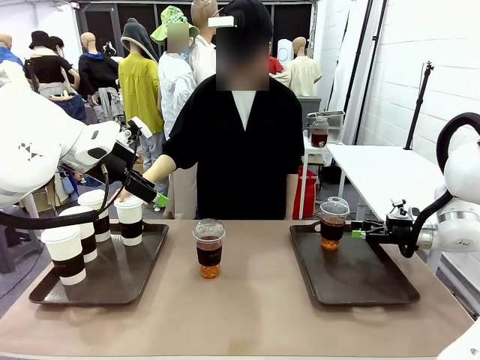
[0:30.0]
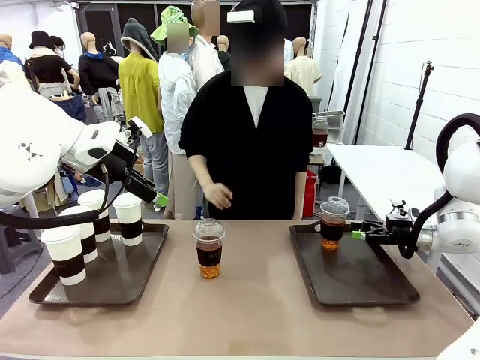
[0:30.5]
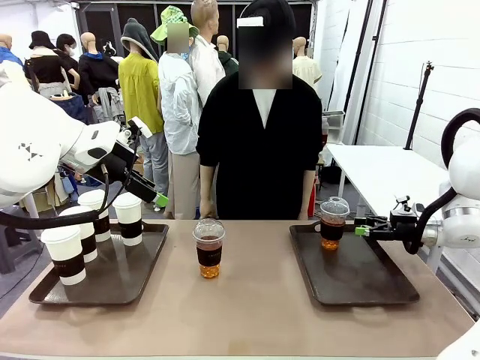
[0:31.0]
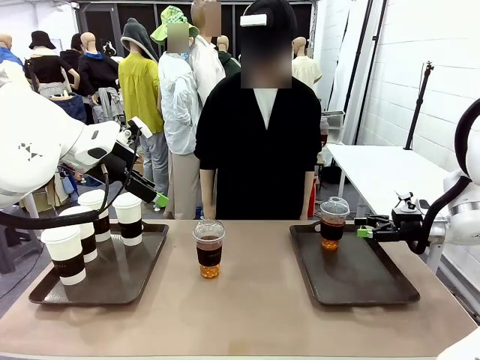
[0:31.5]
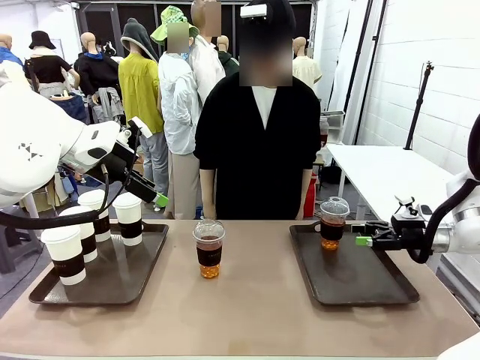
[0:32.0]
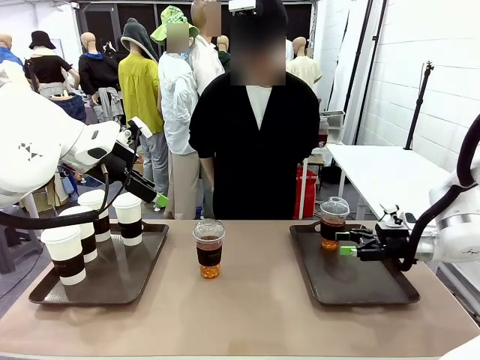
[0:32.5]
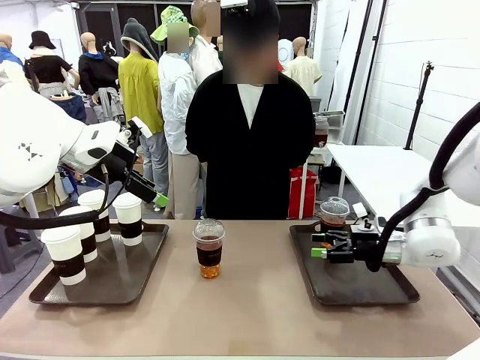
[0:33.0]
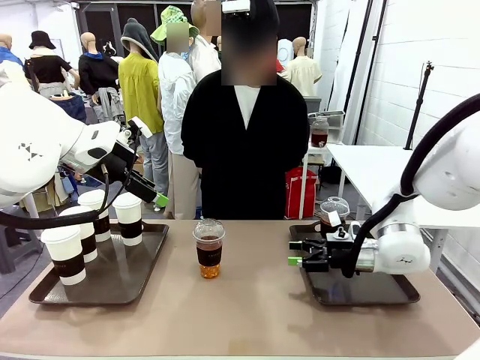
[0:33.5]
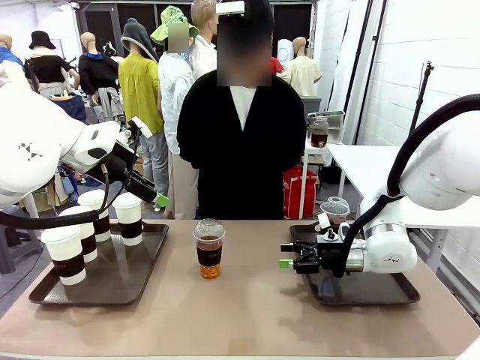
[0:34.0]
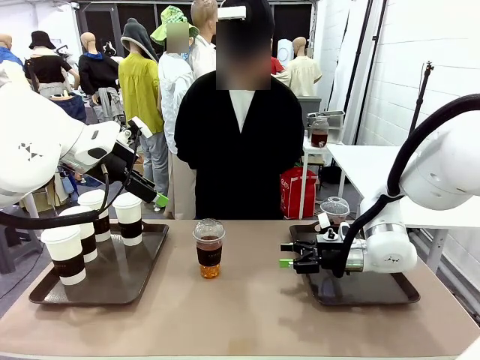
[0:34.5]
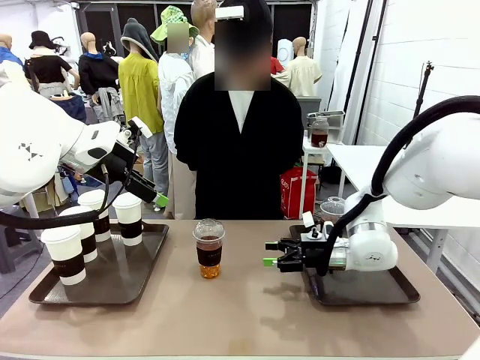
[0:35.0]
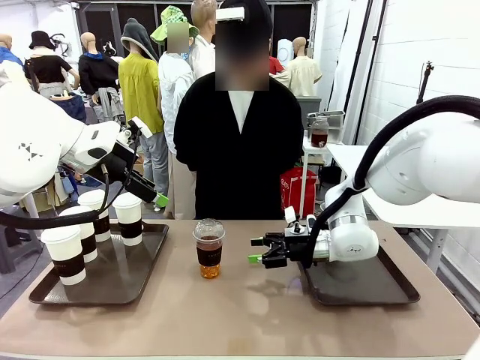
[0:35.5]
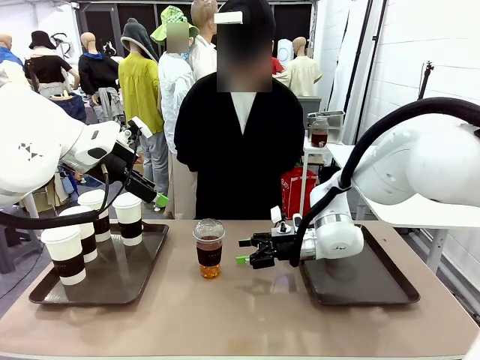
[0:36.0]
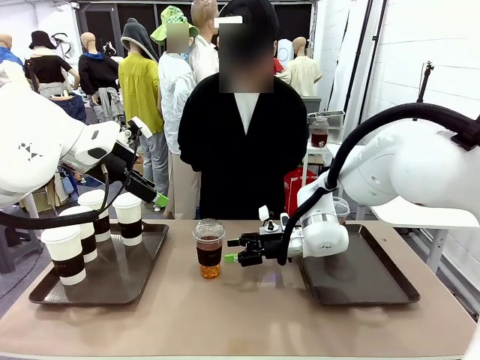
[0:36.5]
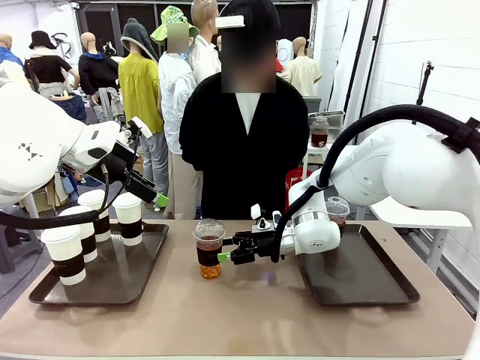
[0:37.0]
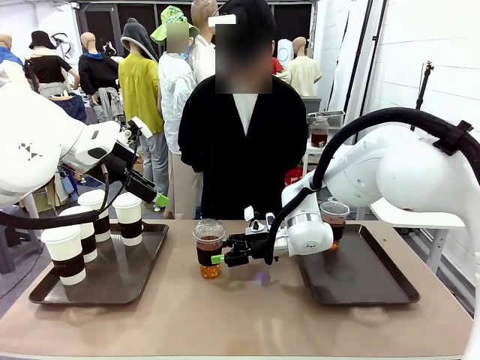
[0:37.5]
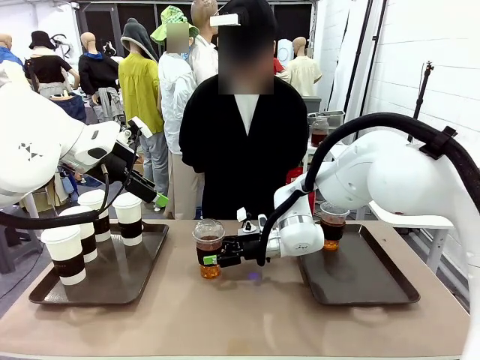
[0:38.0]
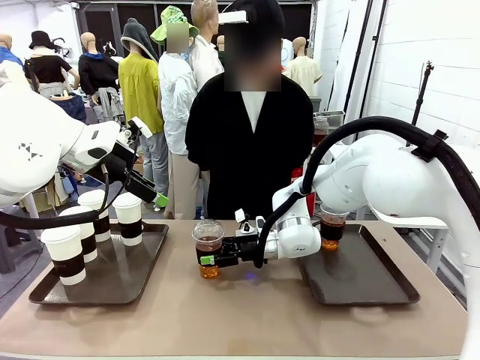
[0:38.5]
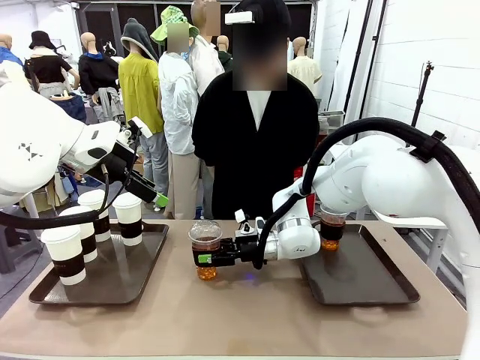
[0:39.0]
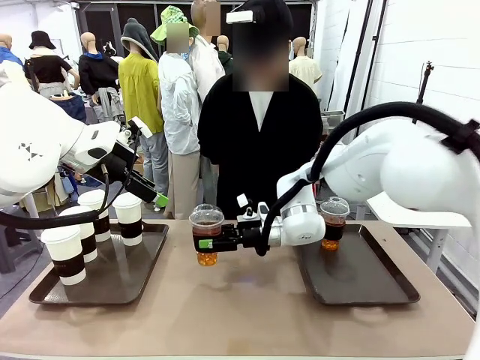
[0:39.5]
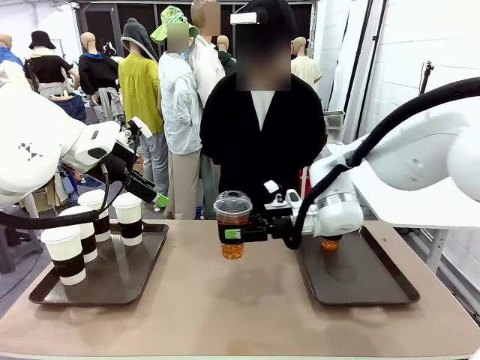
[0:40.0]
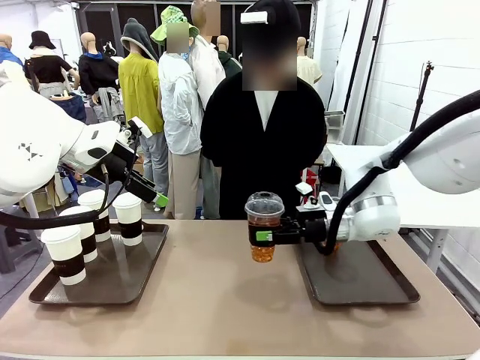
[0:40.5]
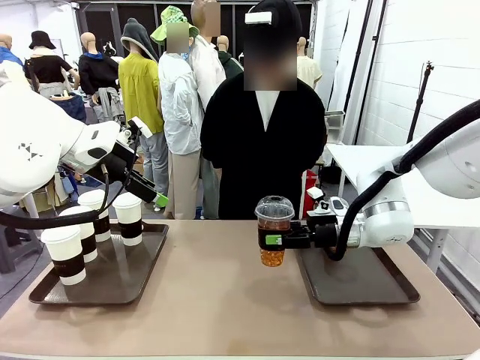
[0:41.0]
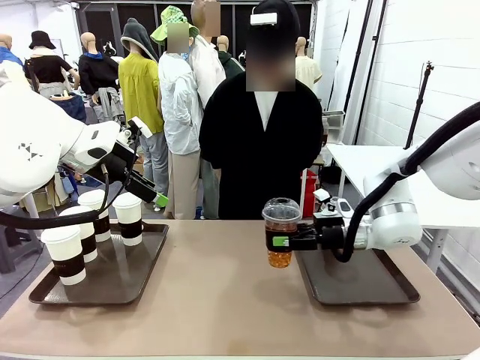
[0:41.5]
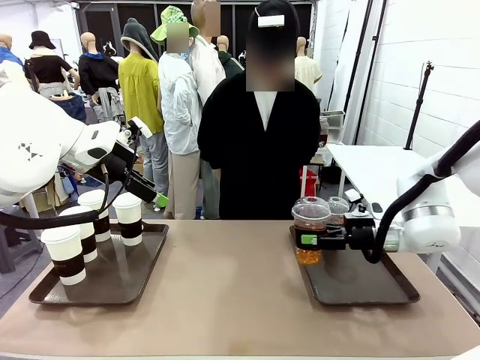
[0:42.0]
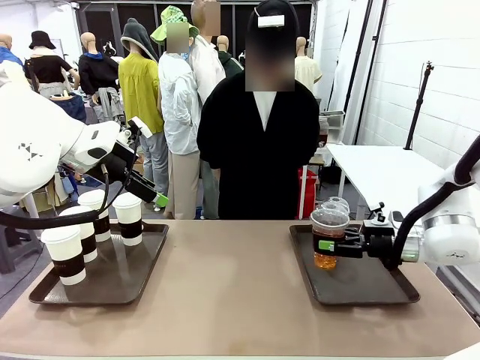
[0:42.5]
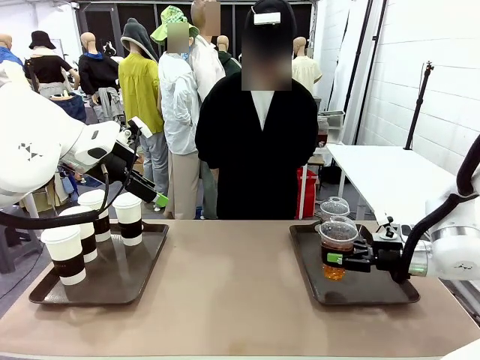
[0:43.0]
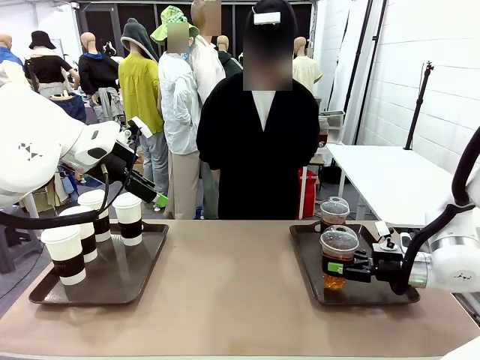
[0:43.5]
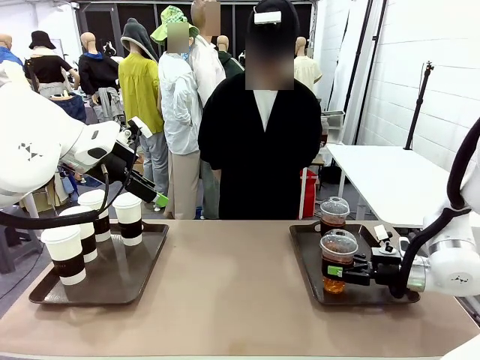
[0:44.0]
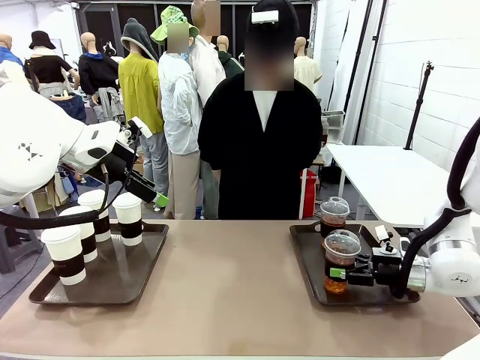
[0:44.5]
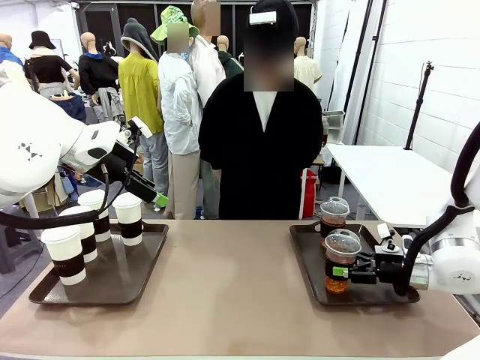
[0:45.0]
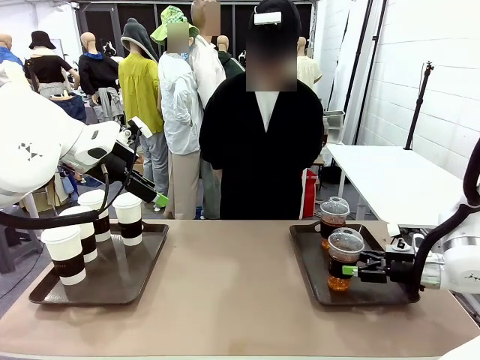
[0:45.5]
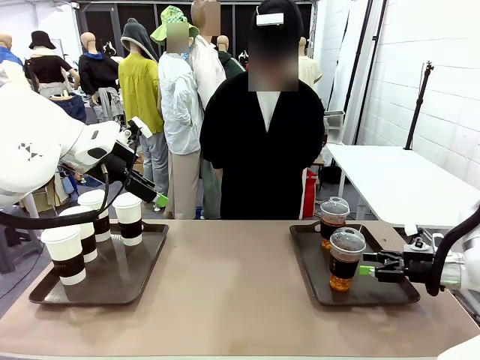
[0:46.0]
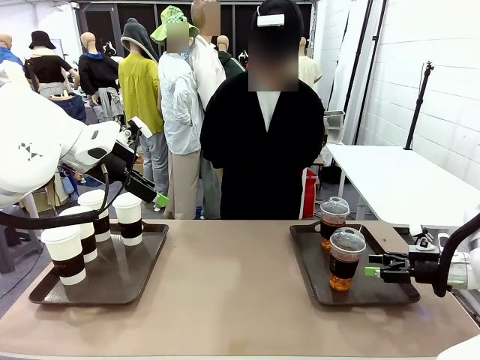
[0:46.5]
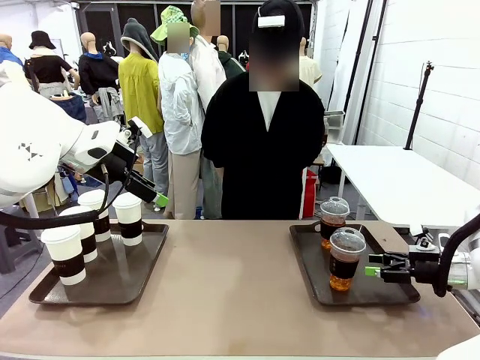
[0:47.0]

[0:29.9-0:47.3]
Task: Distribute the coffee onto the tray.
Robot: Pick up another iced Americano from the middle of the table and place it on the right Handle tray.
